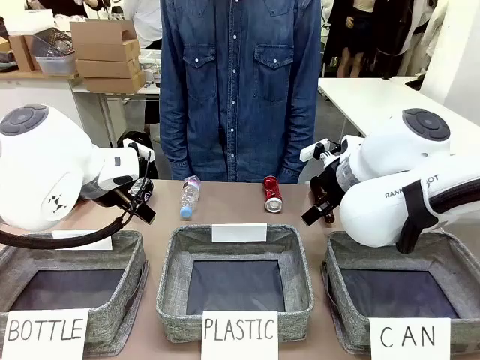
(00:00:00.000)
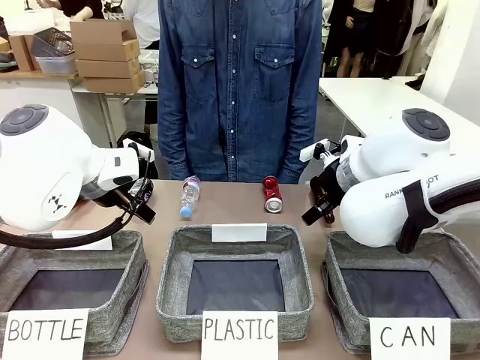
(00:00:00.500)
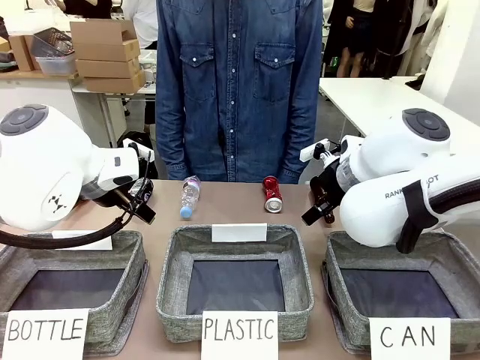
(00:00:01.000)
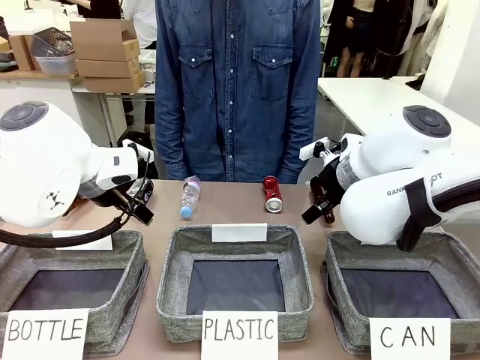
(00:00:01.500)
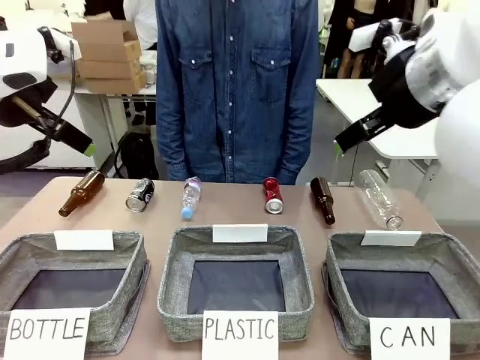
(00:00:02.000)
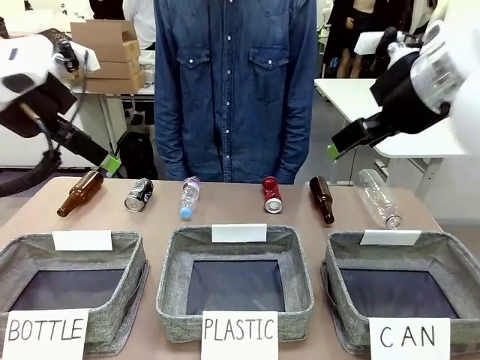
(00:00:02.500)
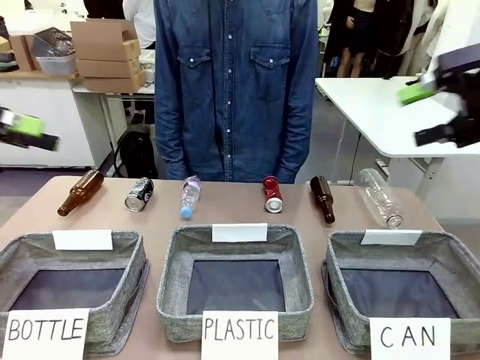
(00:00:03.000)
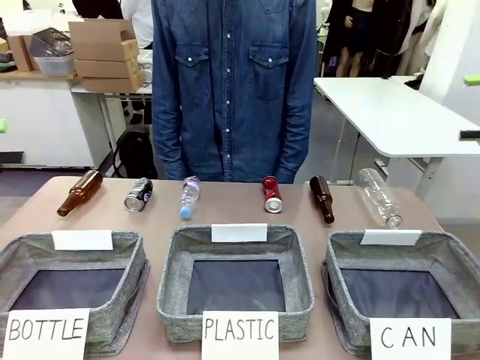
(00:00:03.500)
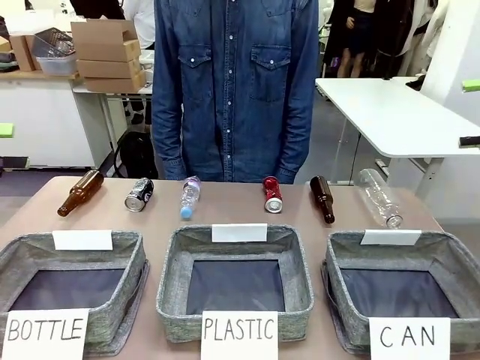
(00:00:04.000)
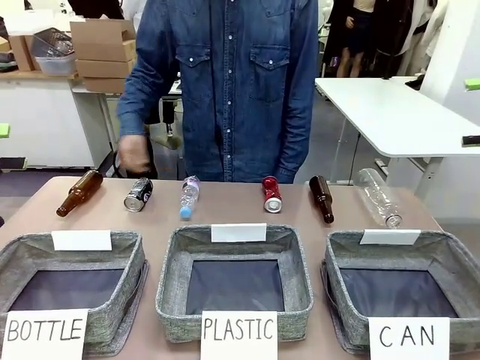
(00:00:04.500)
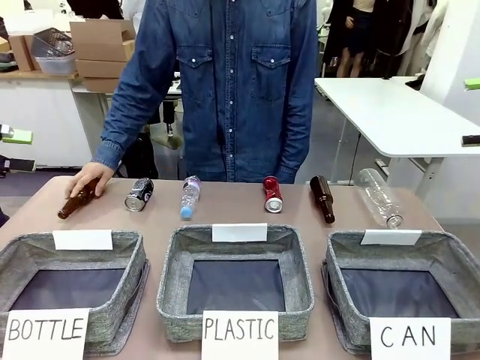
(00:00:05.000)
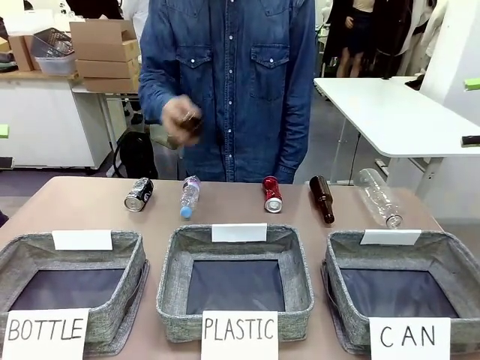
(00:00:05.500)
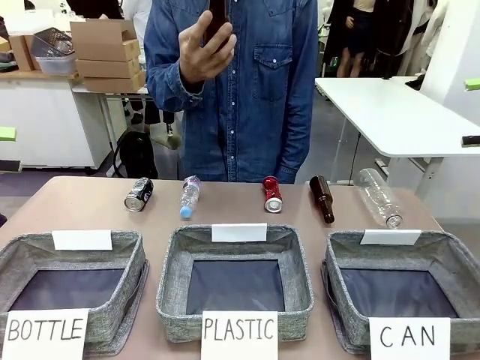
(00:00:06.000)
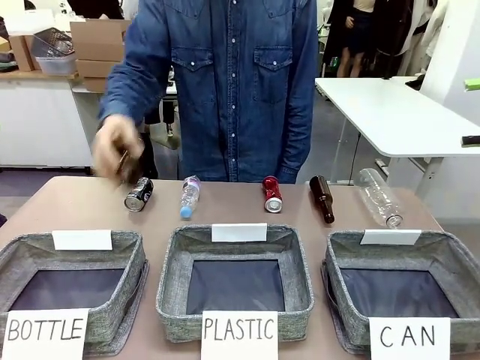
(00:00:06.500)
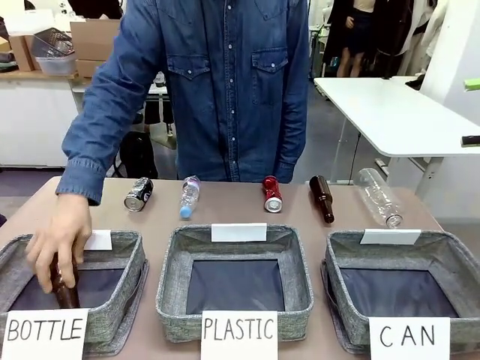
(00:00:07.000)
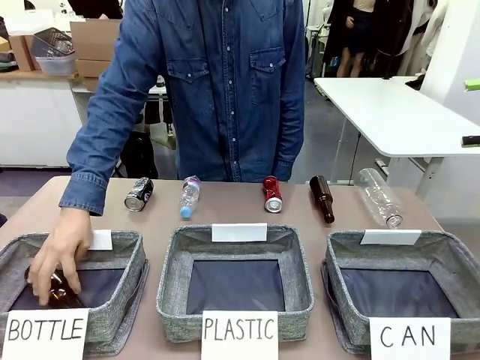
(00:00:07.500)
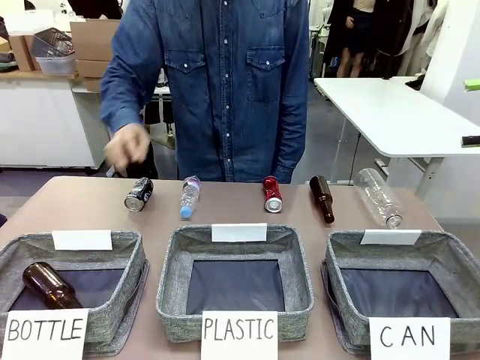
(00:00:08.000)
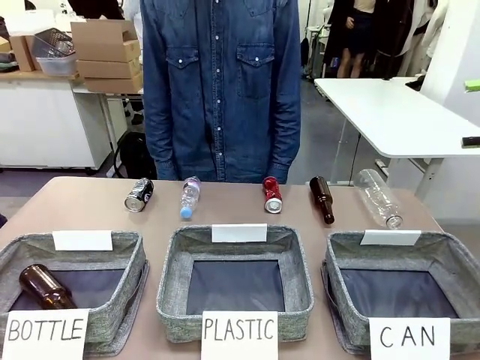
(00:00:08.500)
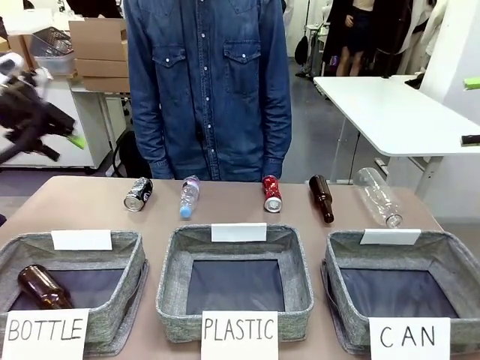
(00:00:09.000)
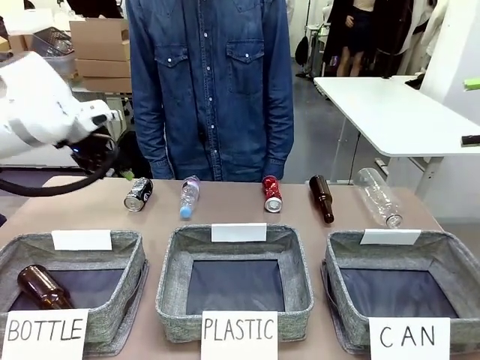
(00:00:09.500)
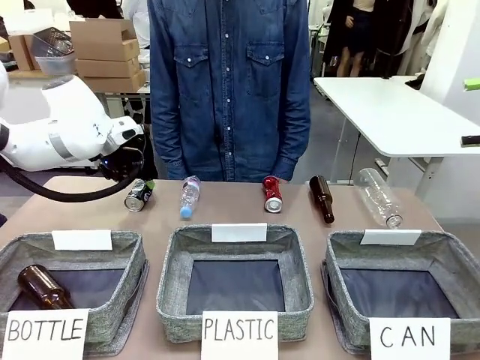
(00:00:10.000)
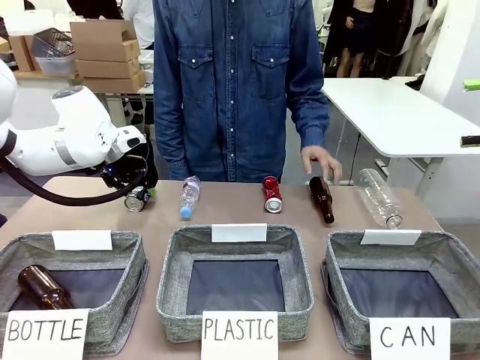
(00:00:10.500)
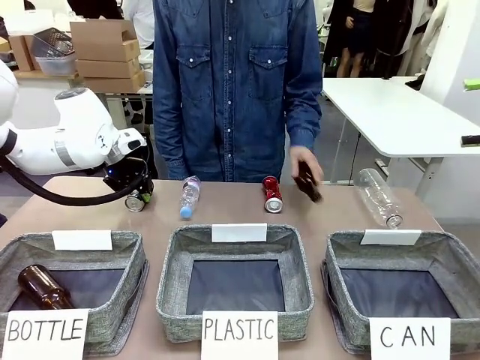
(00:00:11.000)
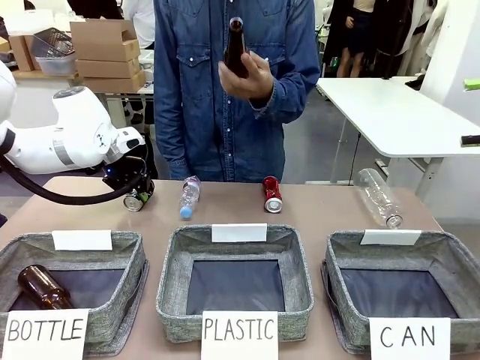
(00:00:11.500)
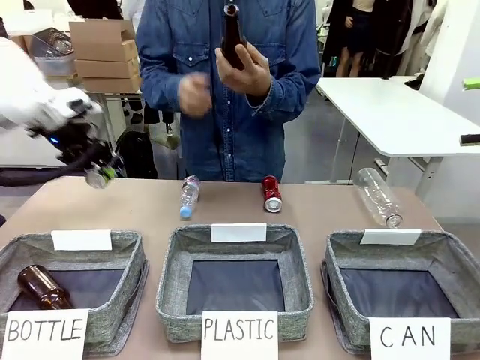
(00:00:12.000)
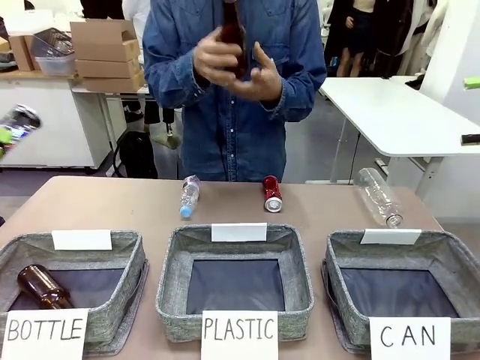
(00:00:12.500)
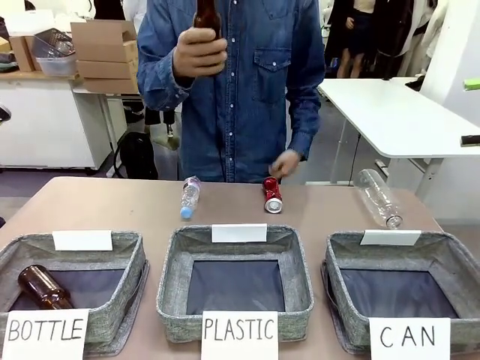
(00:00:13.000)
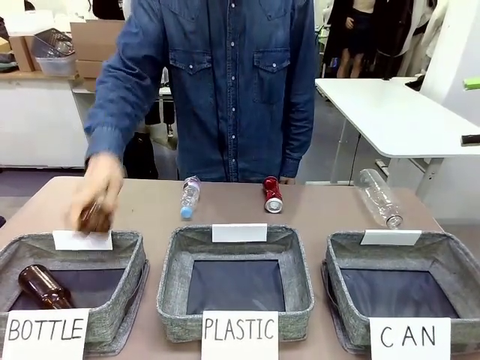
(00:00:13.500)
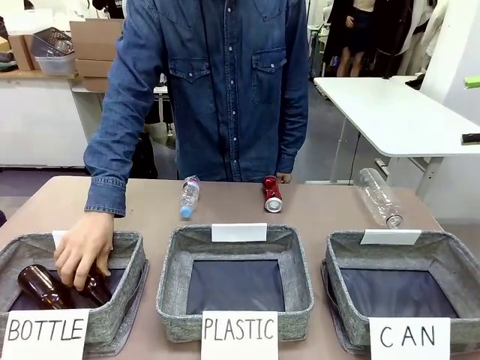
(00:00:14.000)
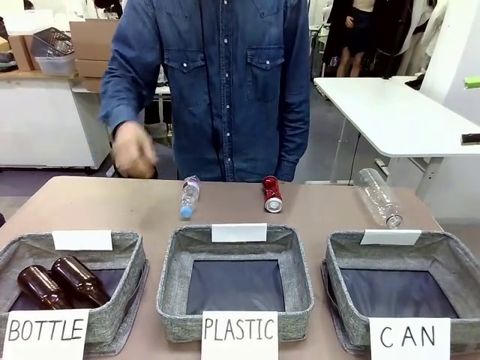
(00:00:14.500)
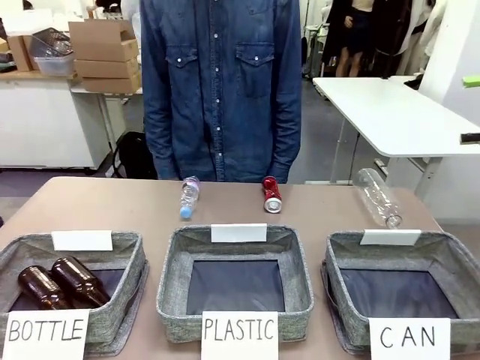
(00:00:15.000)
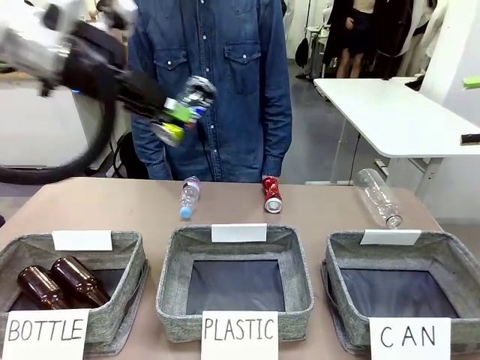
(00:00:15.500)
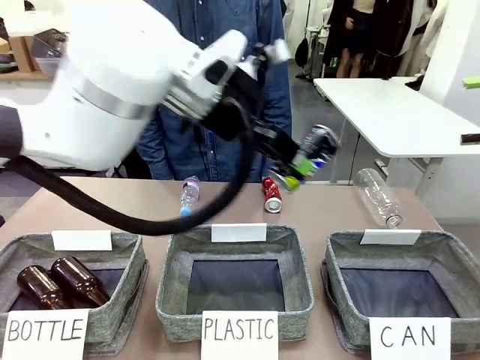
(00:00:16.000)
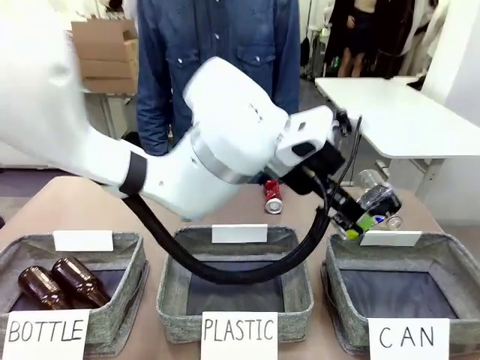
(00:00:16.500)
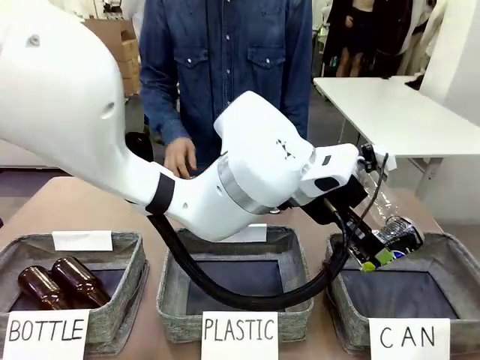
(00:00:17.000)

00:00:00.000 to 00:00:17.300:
Task: Sort the can waste into the basket.
Robot: Pick up the can waste from the table and place it in the right Fabric basket.
